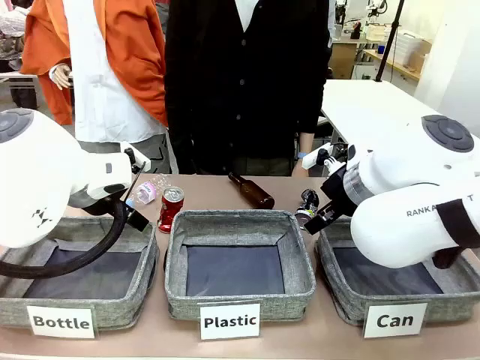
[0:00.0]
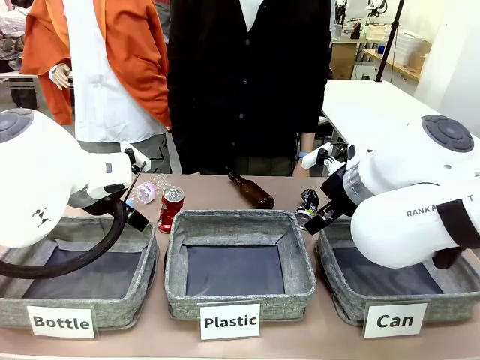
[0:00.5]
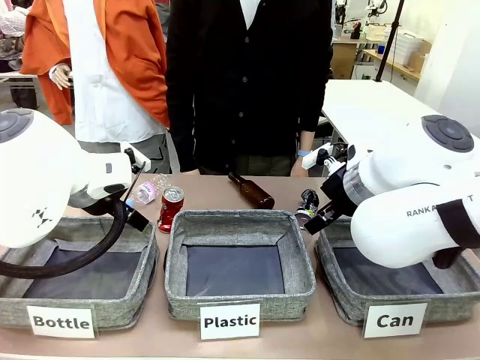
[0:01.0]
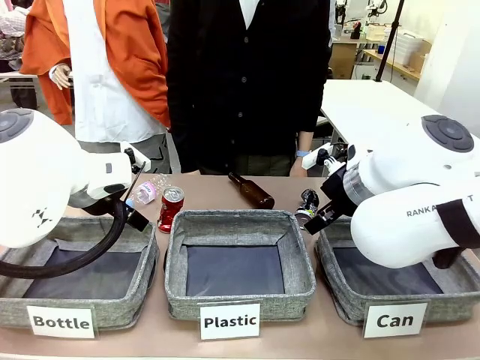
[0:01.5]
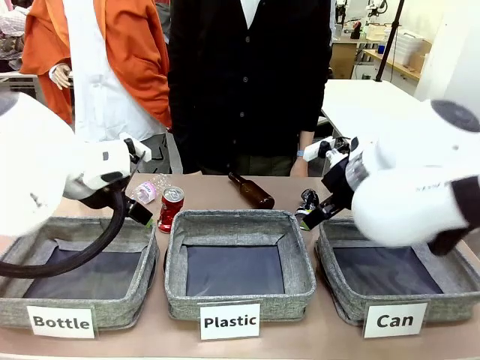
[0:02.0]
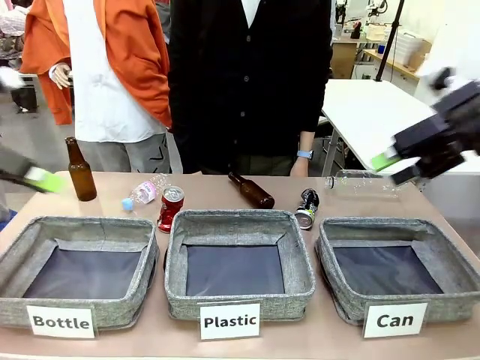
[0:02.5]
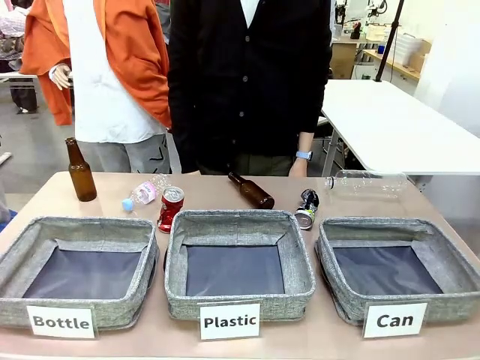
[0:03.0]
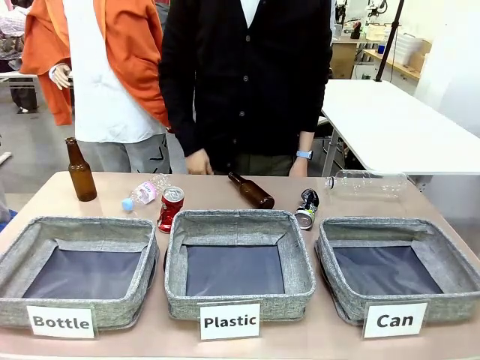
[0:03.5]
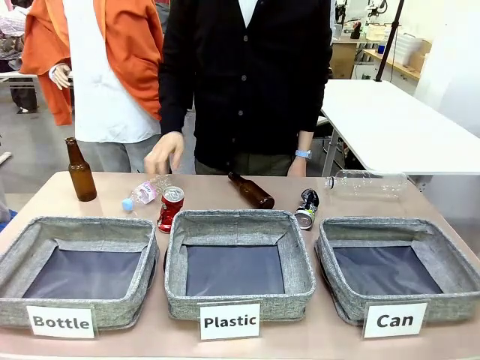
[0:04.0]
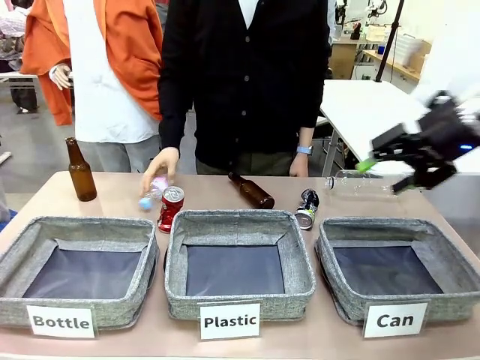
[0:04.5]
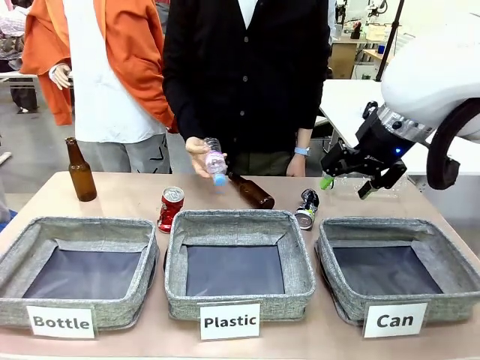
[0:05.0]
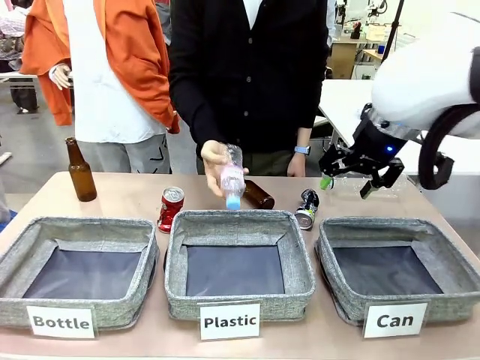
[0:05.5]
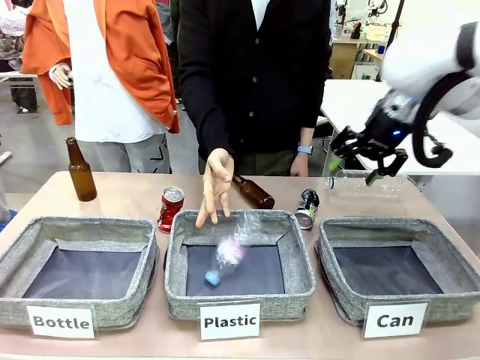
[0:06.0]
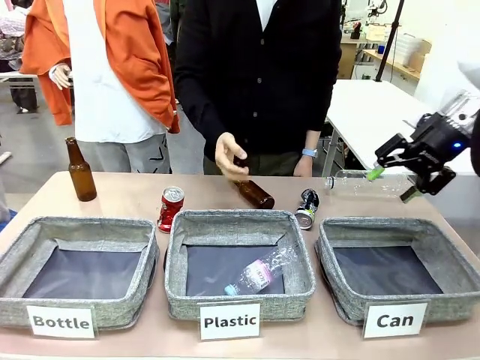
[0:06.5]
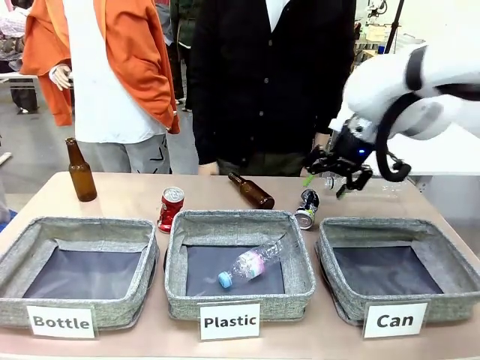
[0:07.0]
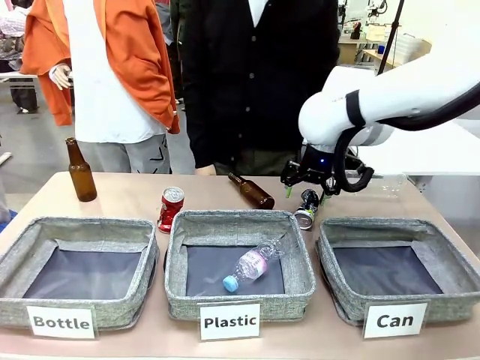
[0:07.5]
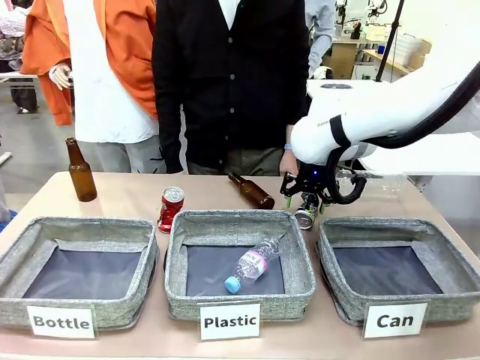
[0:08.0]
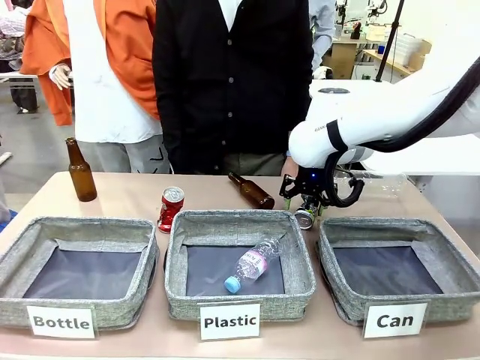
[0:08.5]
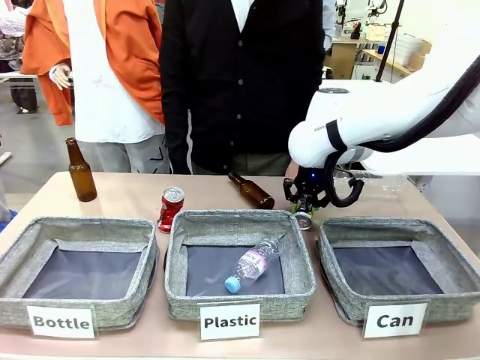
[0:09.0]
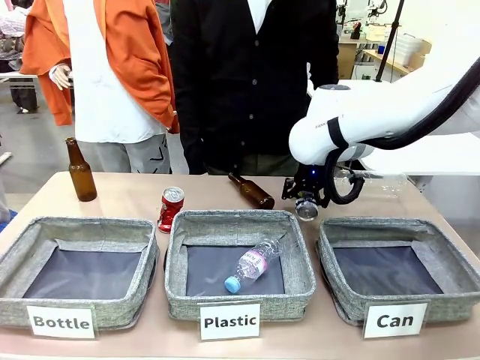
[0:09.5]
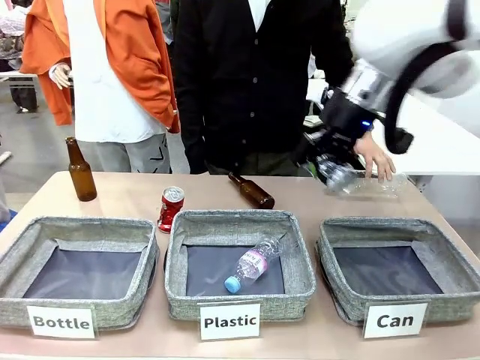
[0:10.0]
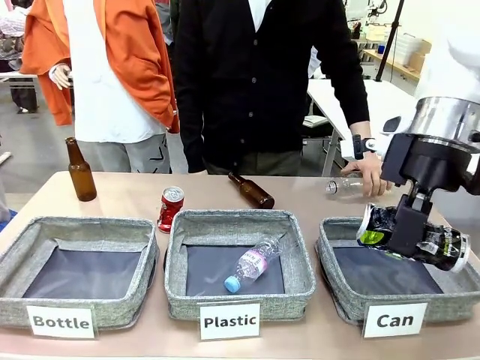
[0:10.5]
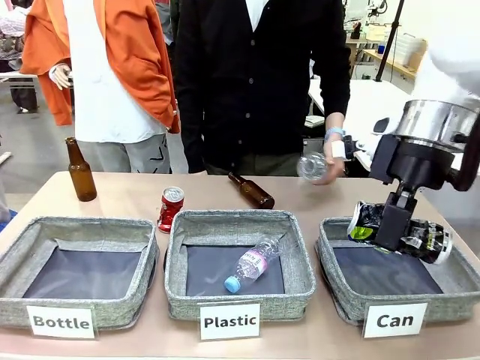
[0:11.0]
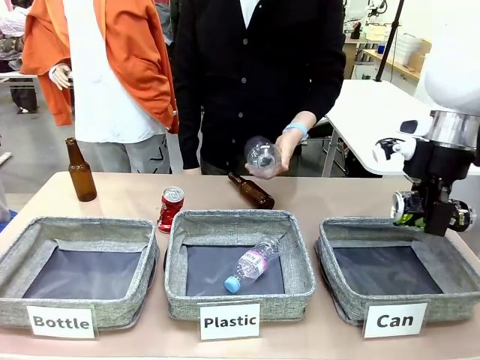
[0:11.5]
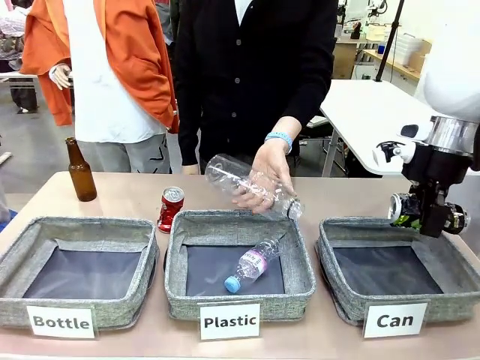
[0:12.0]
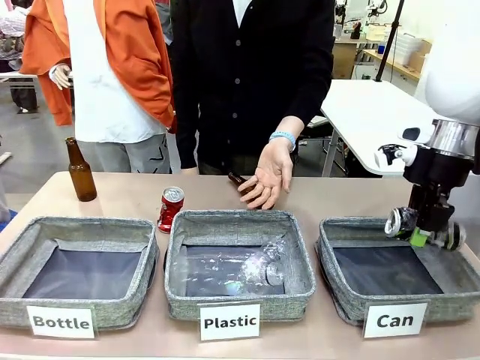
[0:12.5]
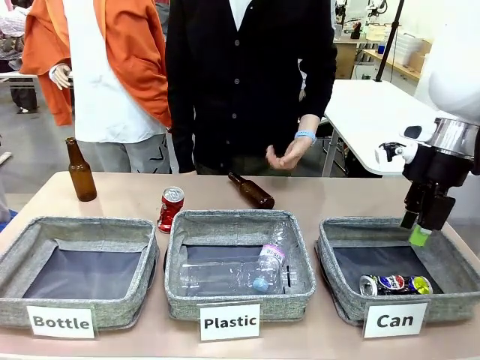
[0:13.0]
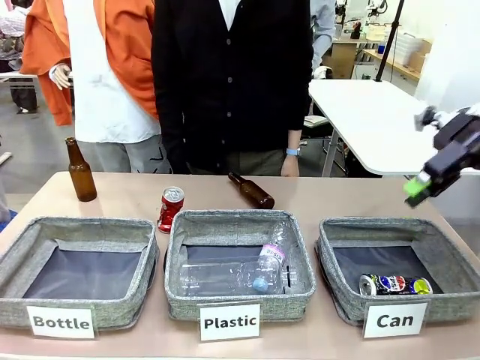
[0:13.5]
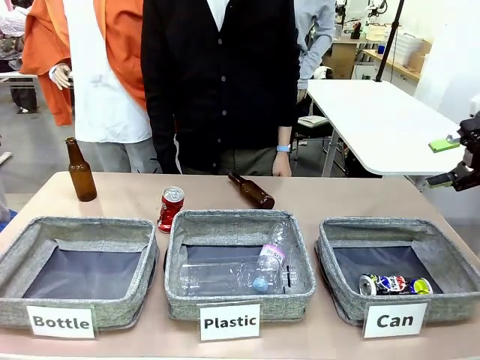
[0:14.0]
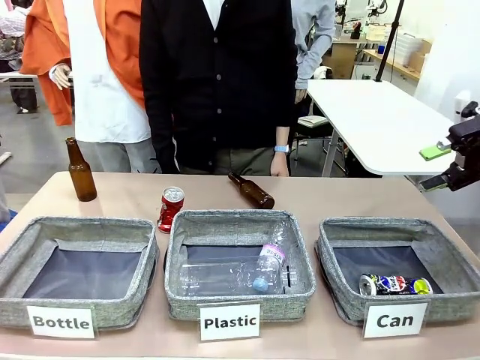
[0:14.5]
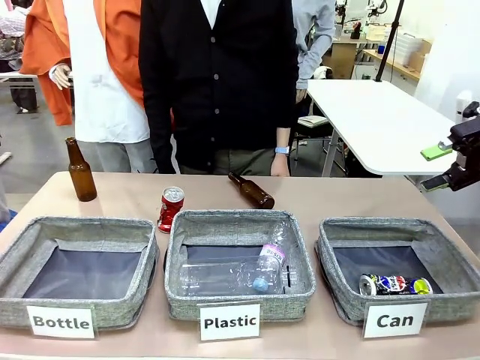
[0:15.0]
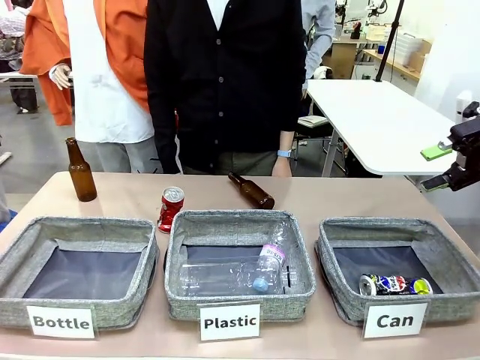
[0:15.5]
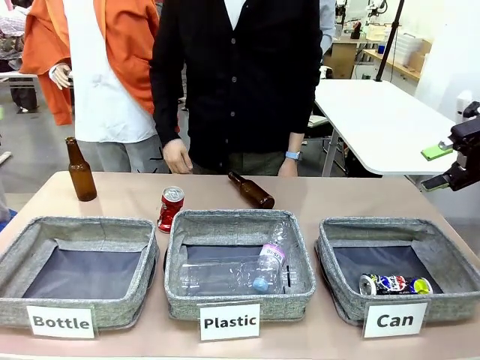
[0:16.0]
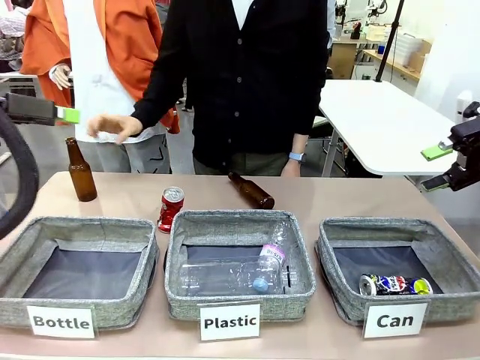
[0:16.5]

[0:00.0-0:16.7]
Task: Sort the can waste into the basket.
Robot: Pick up the can waste from the table and place it in the right Fabric basket.

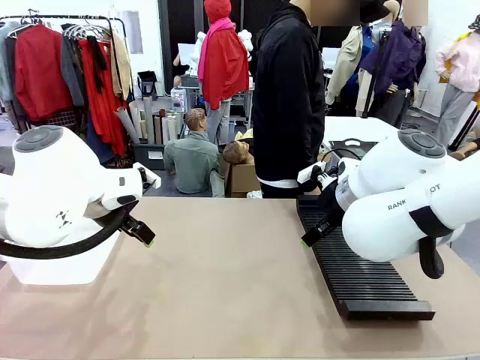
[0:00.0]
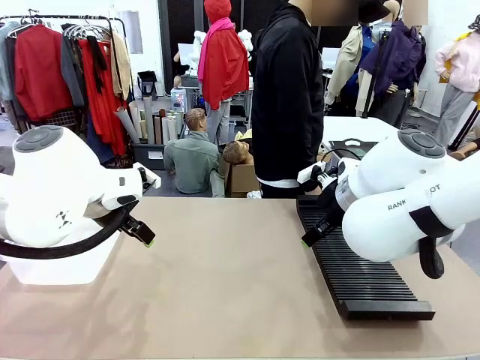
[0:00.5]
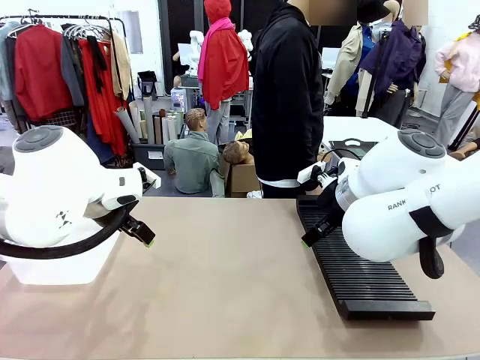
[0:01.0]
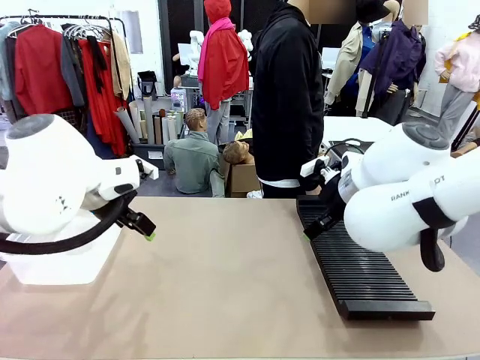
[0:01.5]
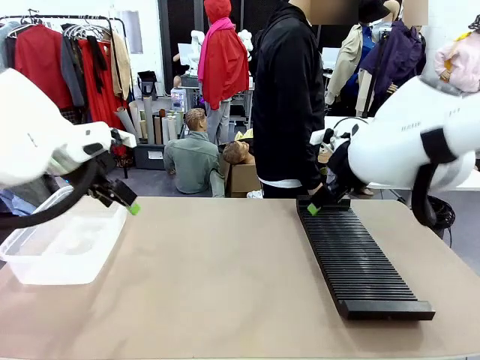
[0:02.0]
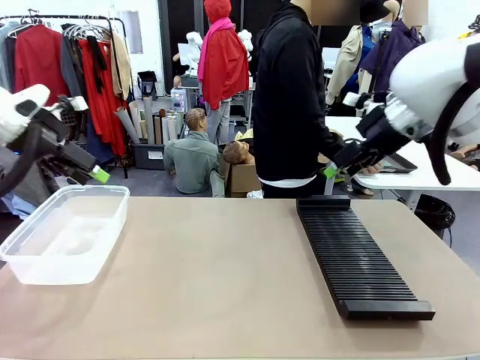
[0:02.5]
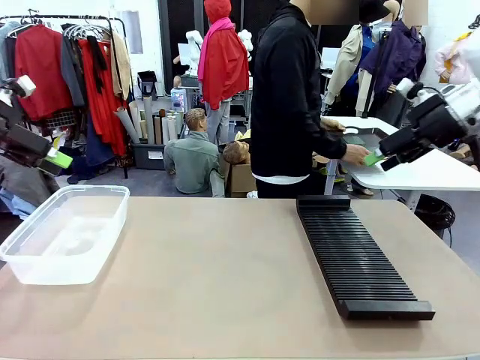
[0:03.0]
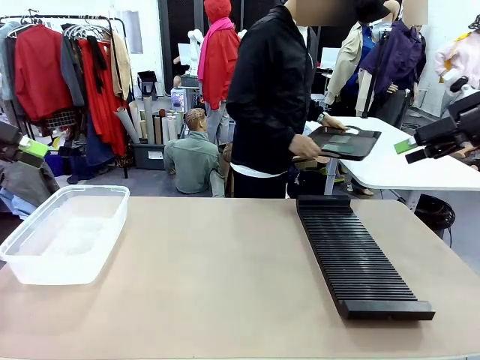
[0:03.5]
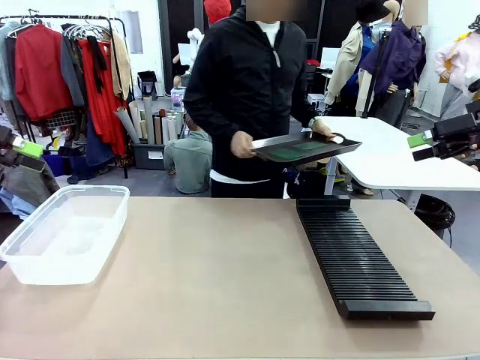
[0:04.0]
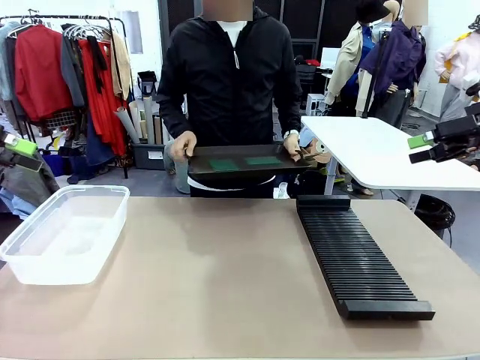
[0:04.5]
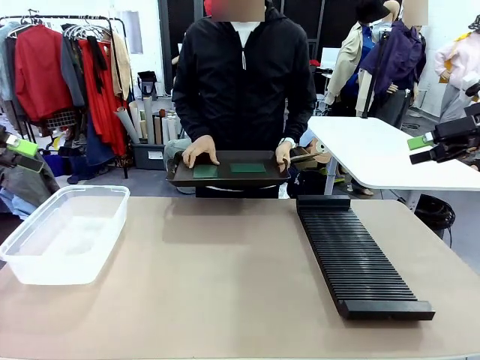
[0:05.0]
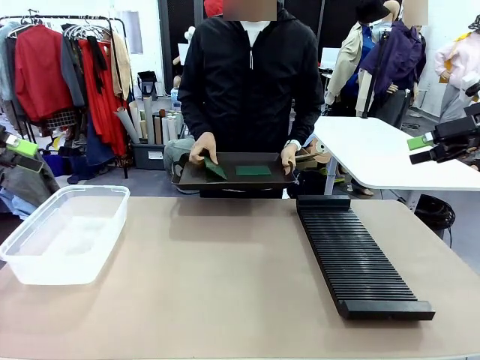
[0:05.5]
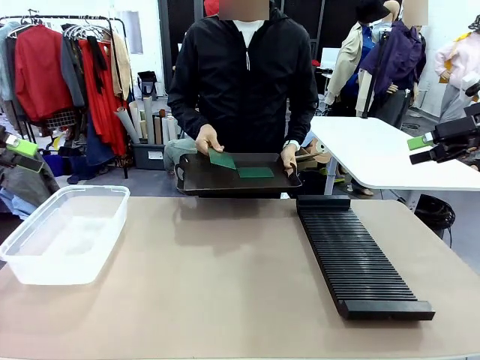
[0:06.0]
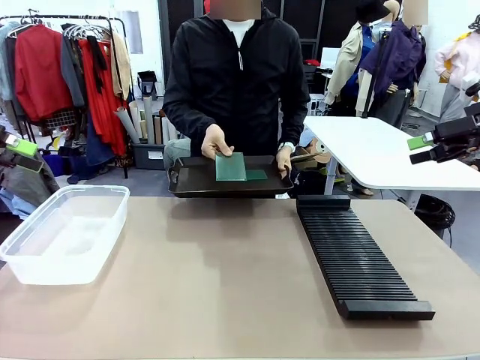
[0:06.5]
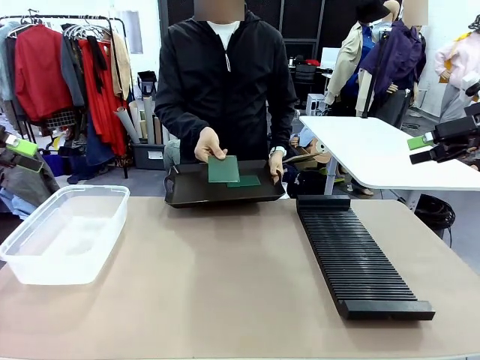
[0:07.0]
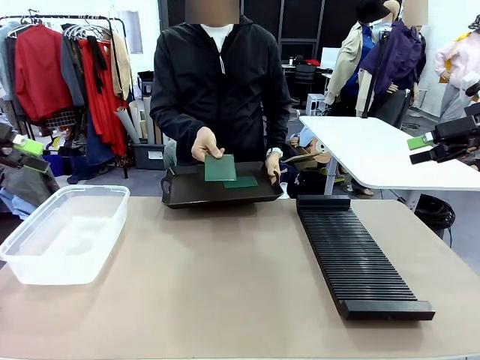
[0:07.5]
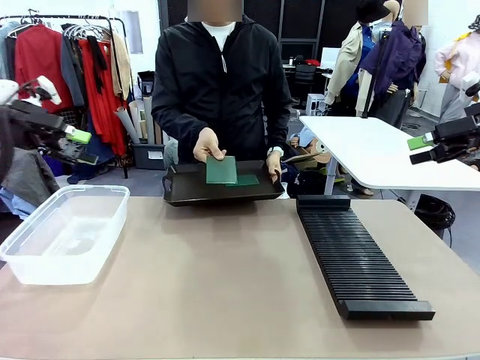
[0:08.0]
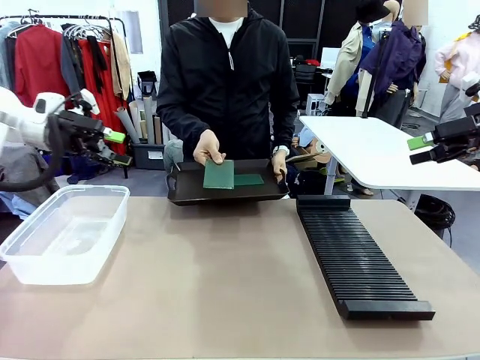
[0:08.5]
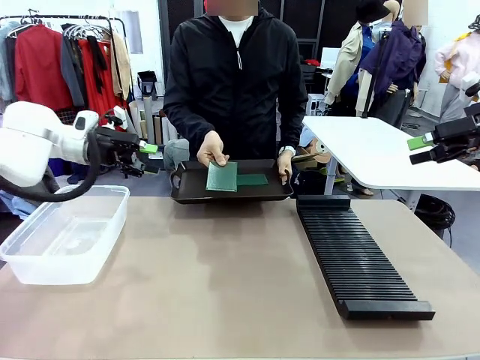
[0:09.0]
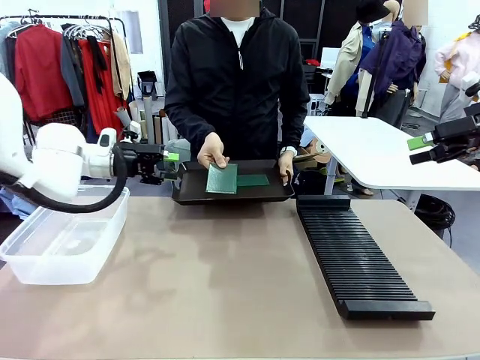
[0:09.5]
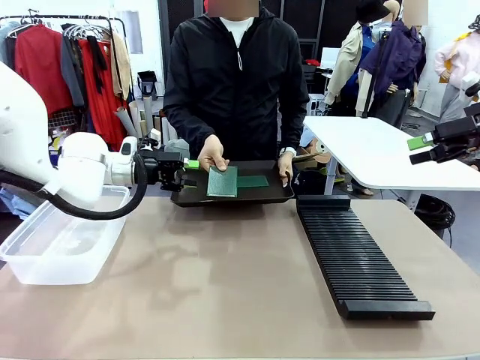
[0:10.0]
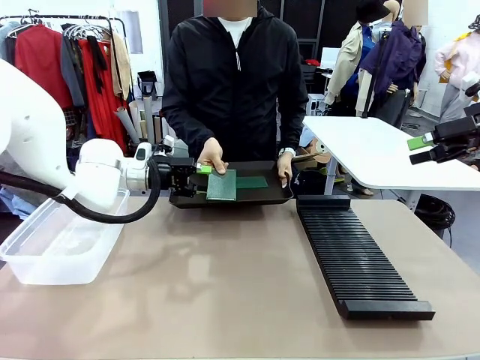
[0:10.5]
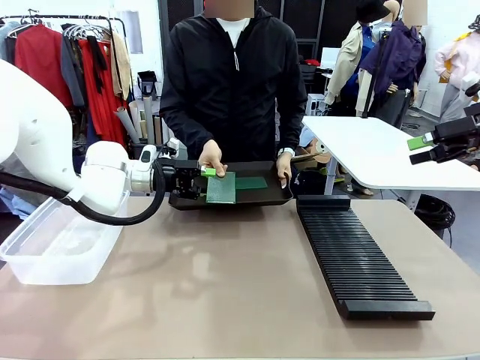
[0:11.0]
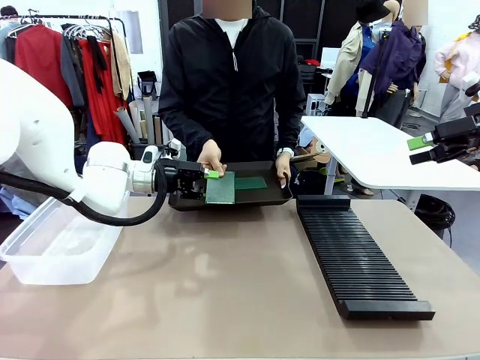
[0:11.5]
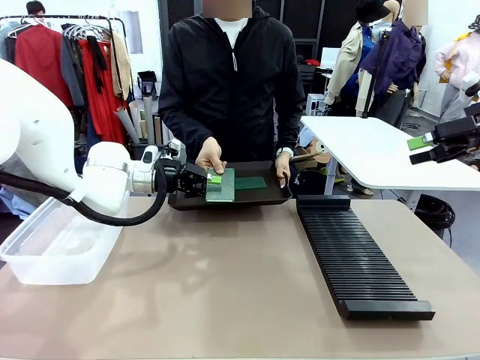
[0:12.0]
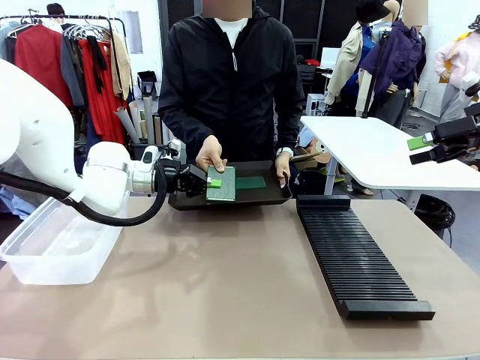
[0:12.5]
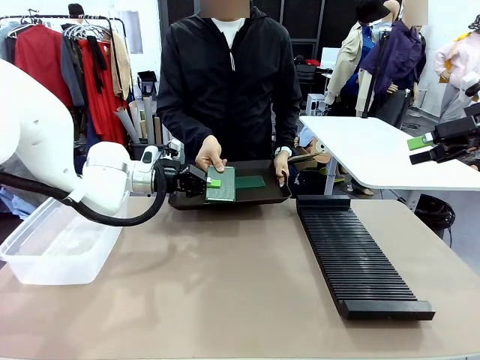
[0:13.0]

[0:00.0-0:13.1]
Task: Sort PCBs into racks and boxes based on the side picked up.
Robot: Pick up the Blank PCB handed by the Human.
Person: Pick one PCB from the tray and present it to the robot. Release the PCB being held.
